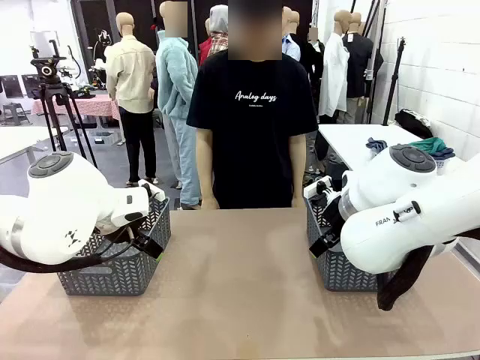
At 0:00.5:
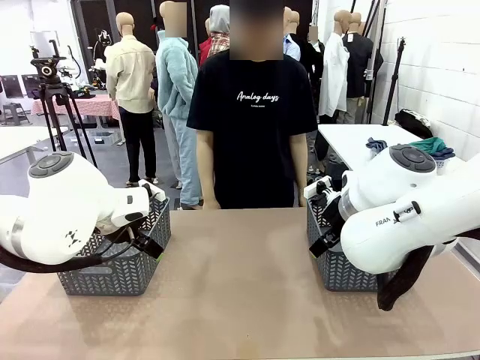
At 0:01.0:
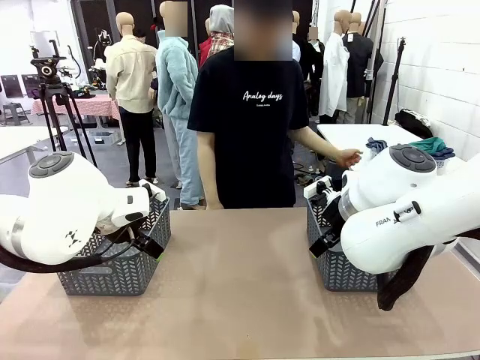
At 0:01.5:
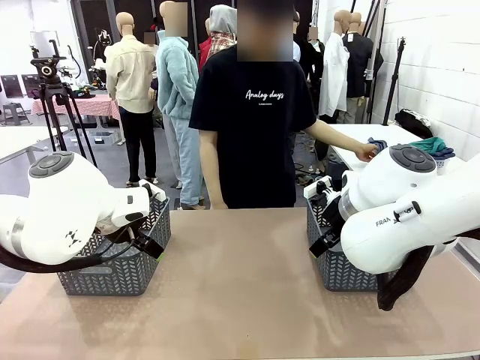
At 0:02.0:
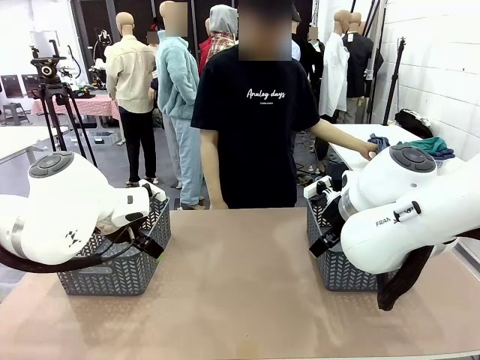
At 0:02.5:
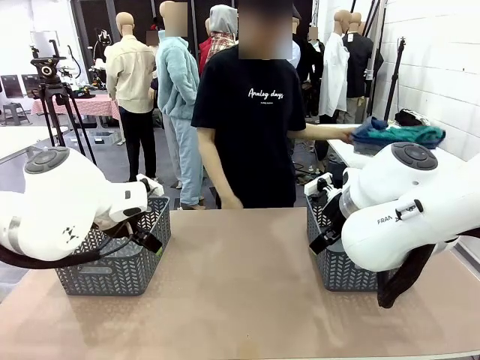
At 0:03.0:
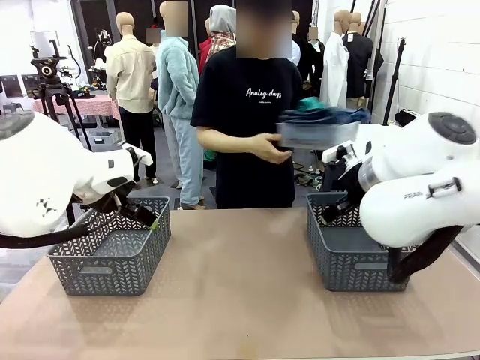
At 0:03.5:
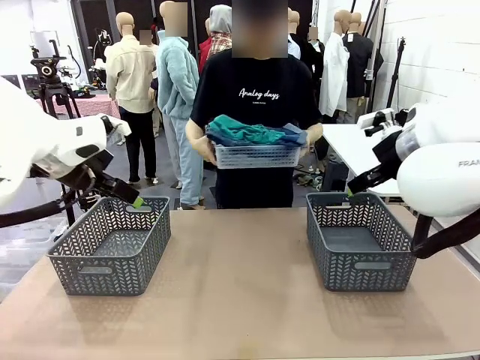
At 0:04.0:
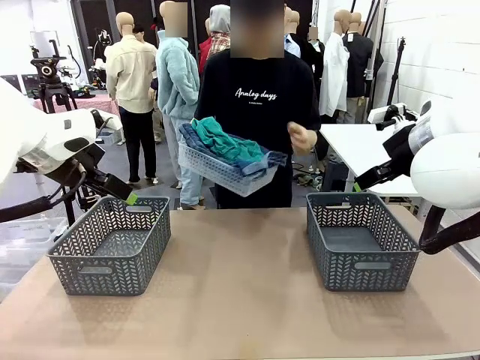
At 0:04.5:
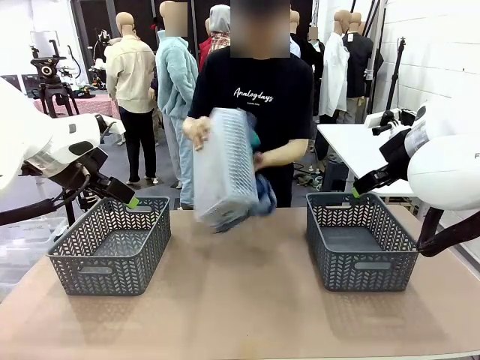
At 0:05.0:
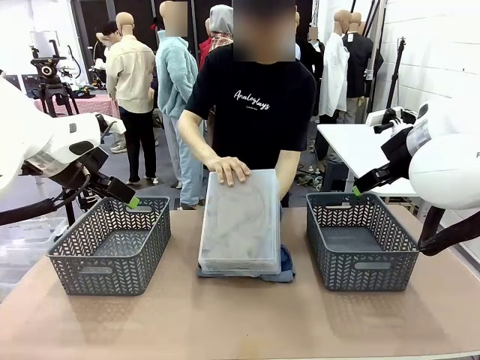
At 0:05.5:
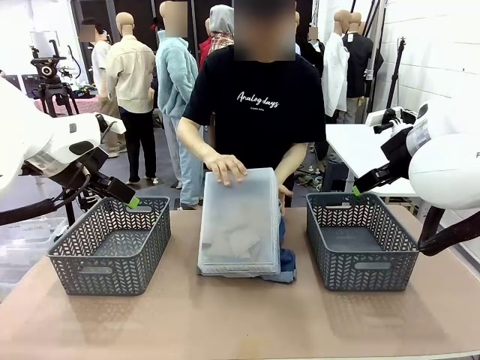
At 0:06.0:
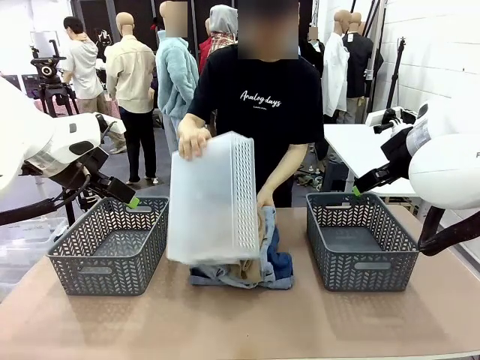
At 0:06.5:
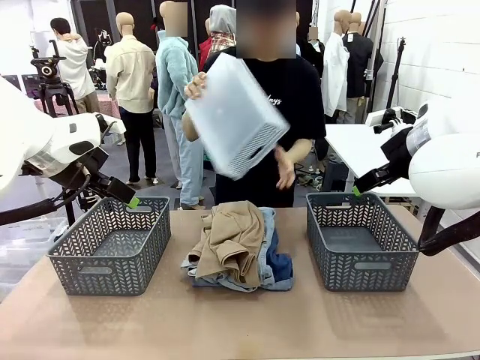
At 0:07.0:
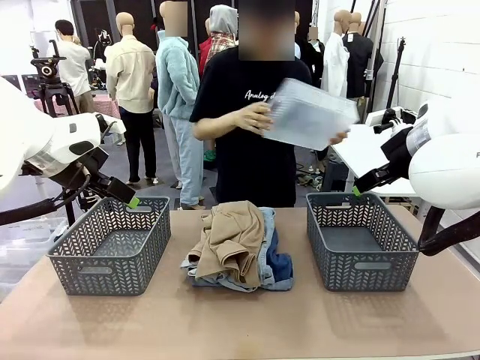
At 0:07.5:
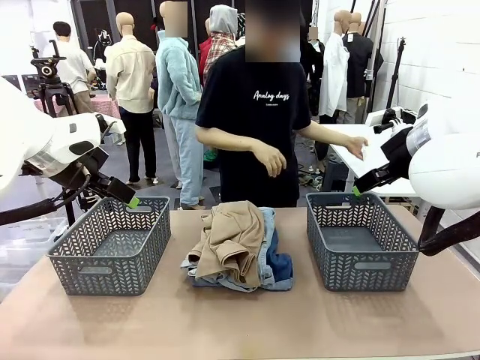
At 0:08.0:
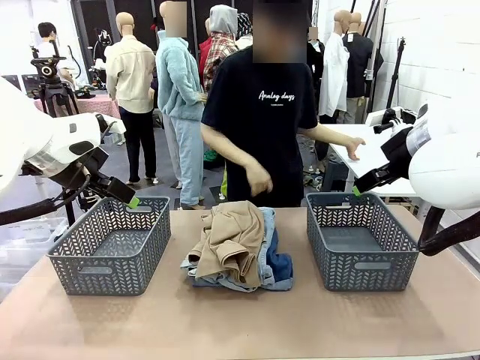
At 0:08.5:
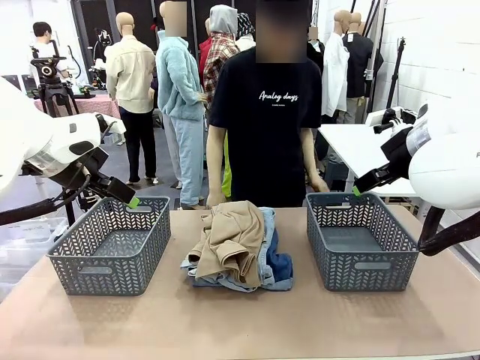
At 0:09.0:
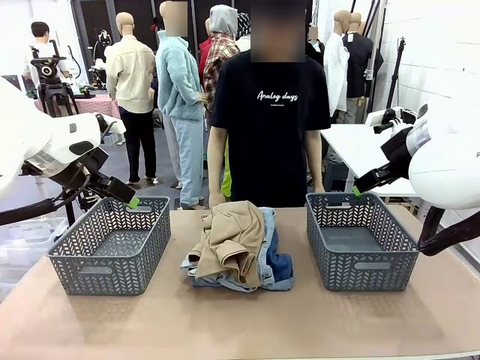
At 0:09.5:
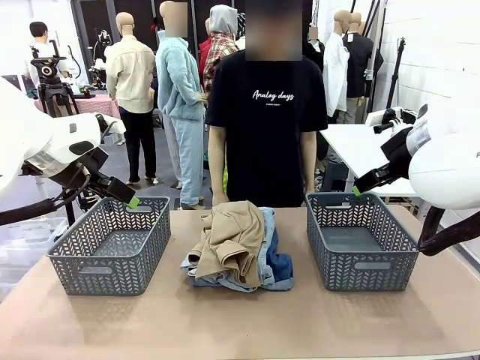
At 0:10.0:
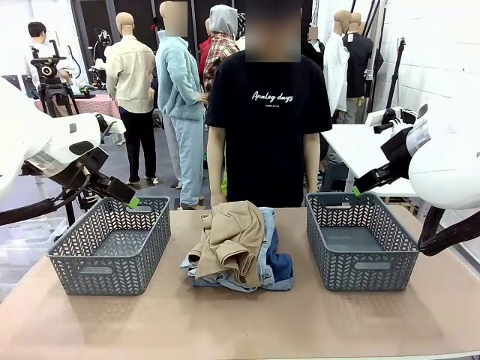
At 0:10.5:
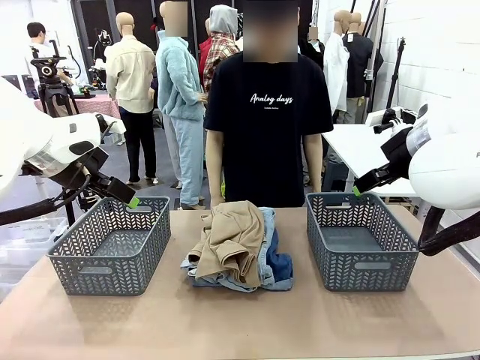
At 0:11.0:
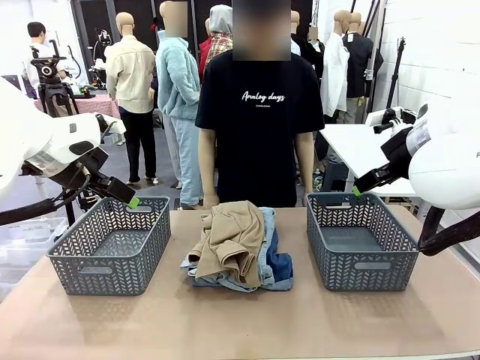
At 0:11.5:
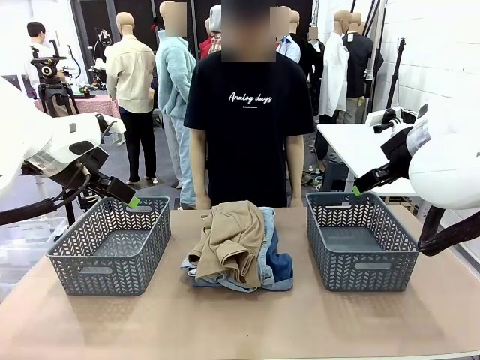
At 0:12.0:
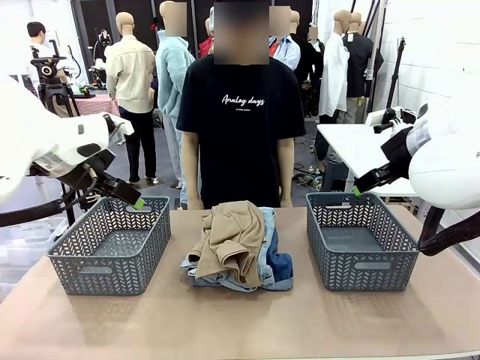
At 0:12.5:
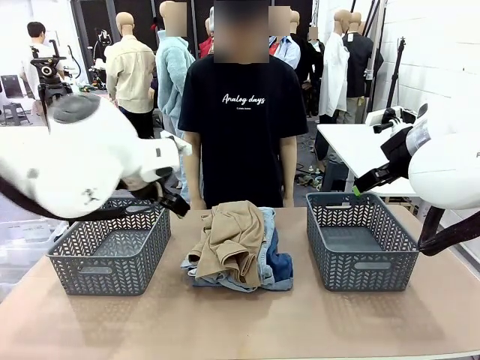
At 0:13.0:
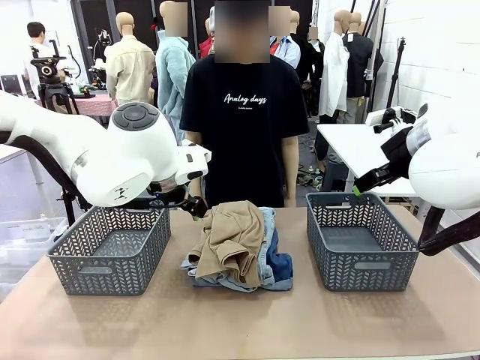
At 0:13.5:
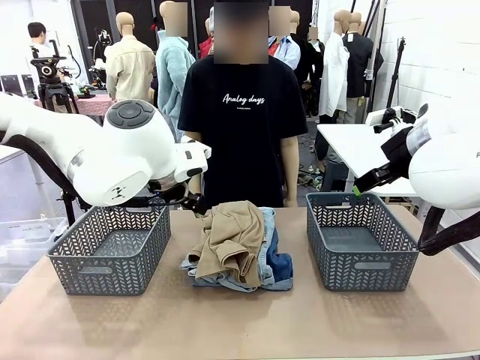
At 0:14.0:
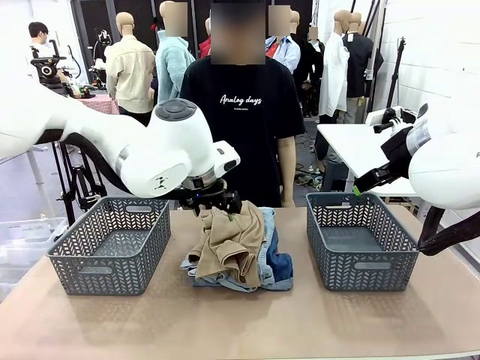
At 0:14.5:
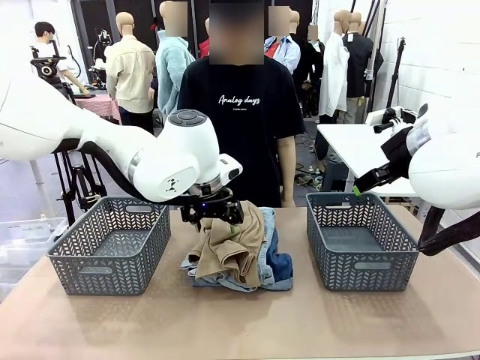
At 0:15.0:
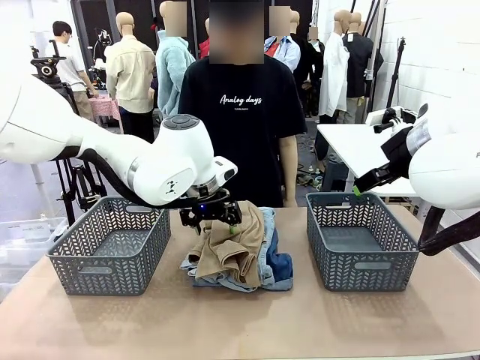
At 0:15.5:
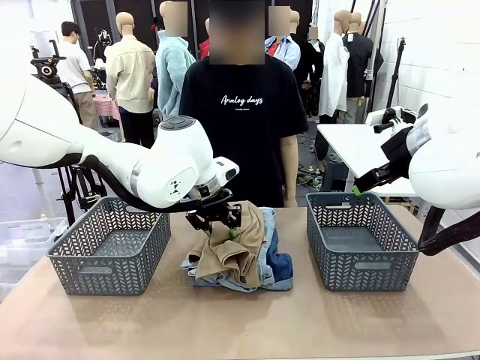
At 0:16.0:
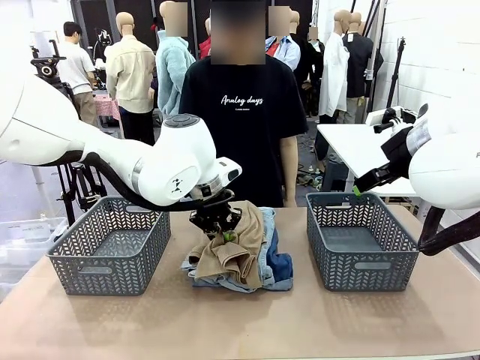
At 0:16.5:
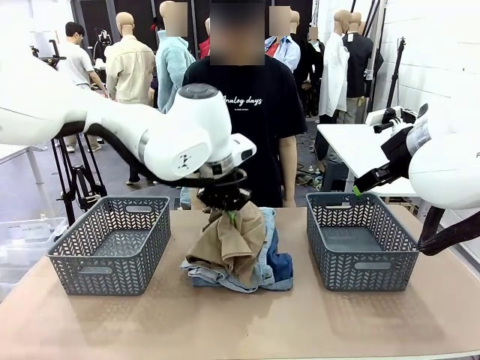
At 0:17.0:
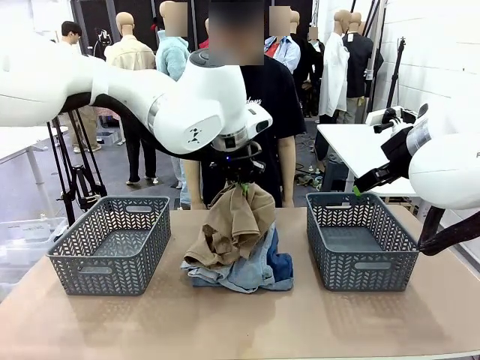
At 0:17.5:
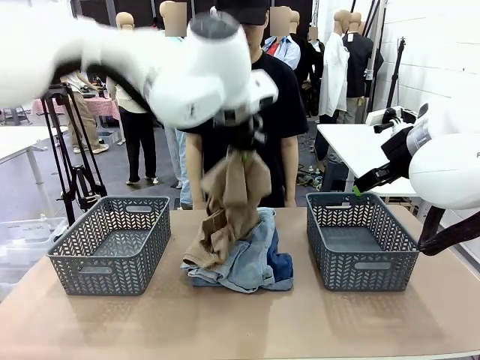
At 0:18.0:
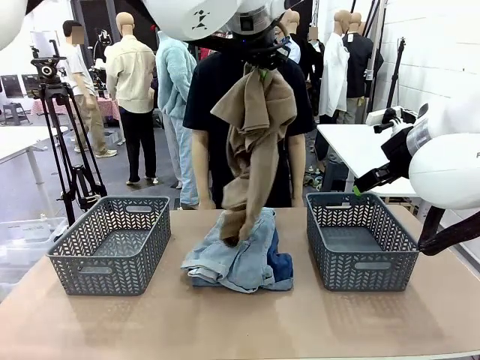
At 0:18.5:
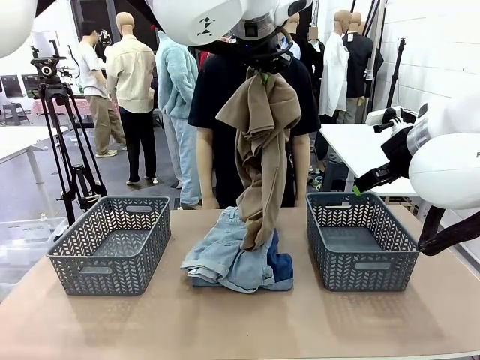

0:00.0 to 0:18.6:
Task: Sort the tops and bottoms.
Robot: Lift clothes from the center of the table with your left hand.
Person: Pour the clothes from the basket onto the center of the robot table.

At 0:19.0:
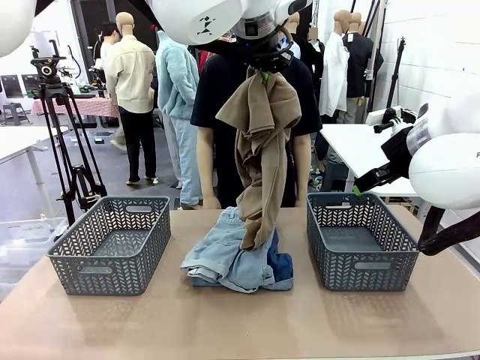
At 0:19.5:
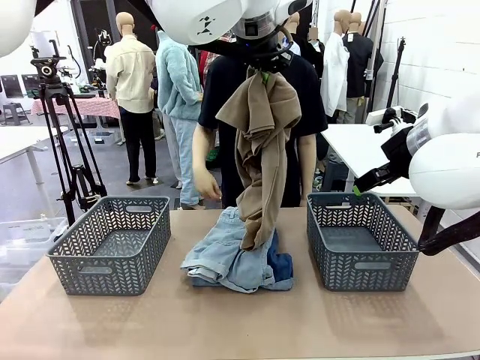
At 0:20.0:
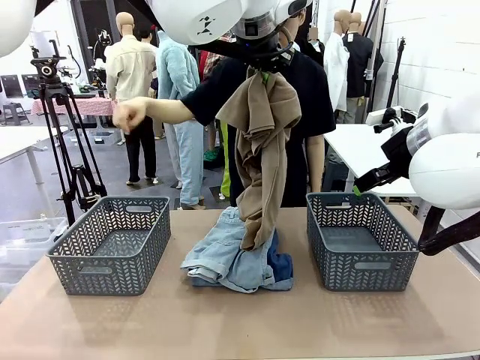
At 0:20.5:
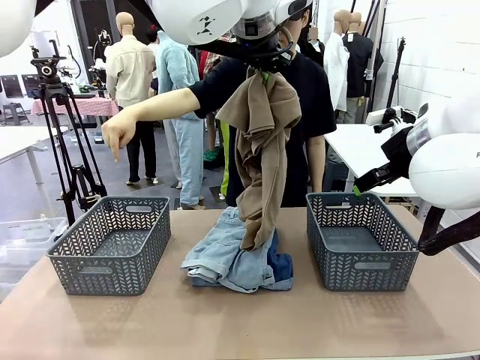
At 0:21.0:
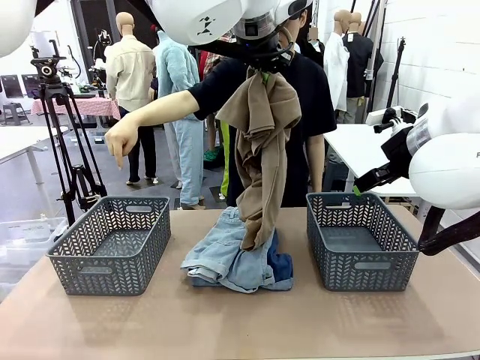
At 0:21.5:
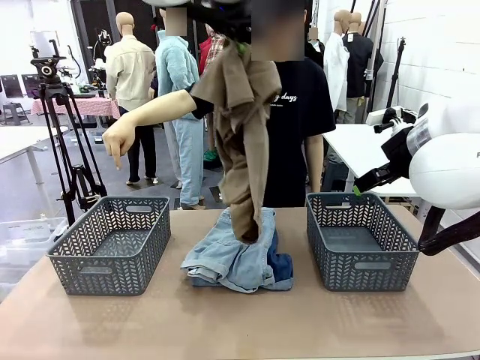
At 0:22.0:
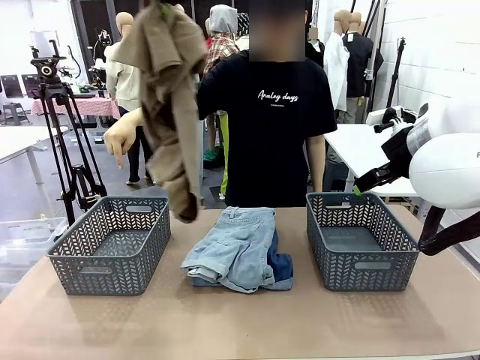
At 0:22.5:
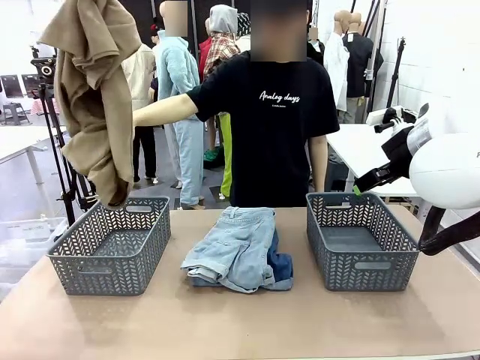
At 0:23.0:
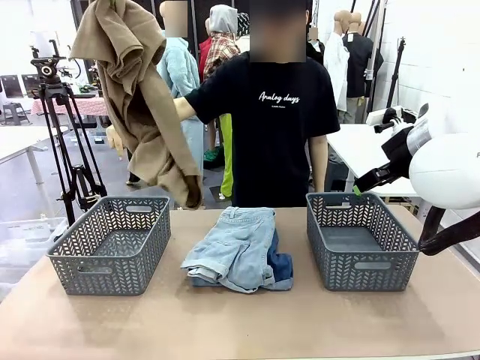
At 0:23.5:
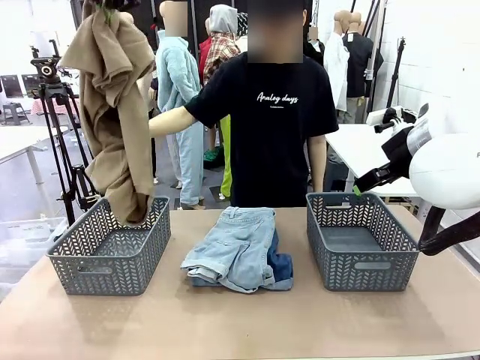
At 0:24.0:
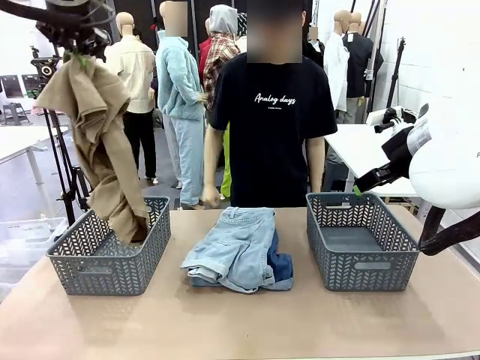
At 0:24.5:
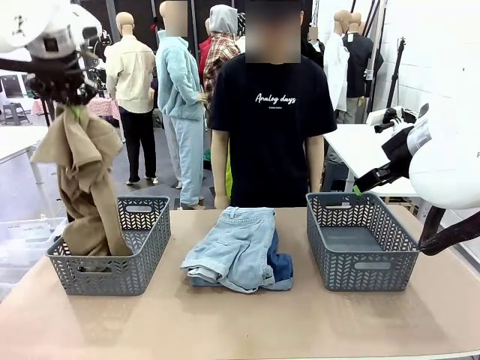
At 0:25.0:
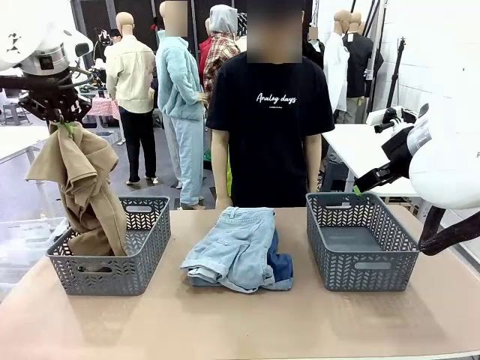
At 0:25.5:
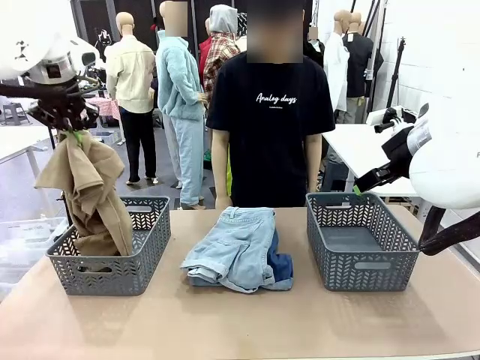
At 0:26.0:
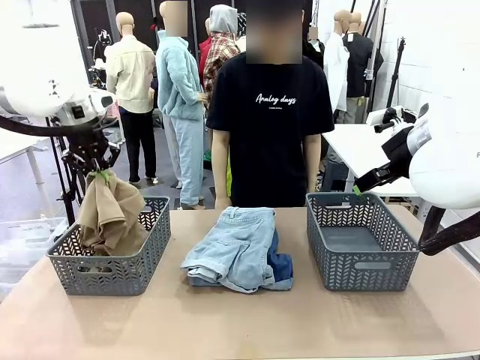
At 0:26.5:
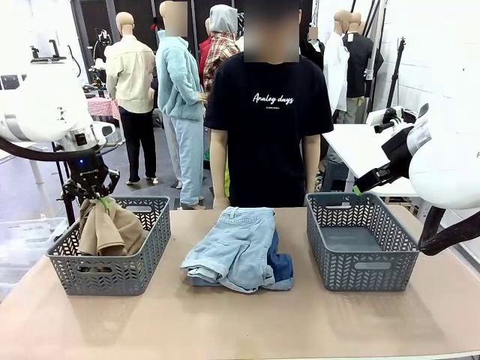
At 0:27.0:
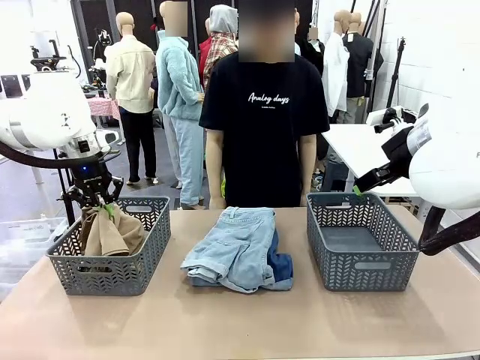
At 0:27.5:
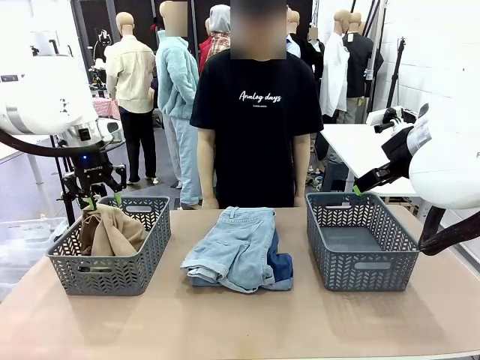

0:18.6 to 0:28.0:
Robot: Sort the clothes according to human instructions.
